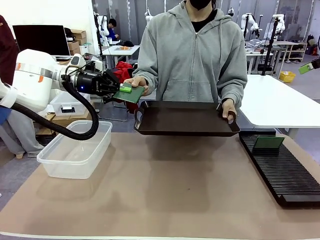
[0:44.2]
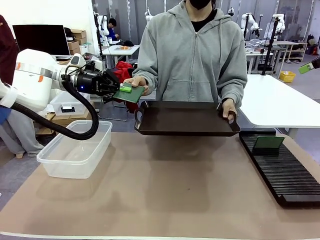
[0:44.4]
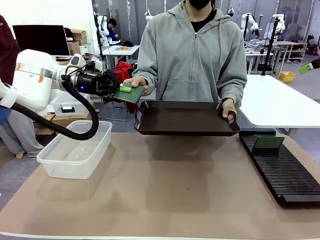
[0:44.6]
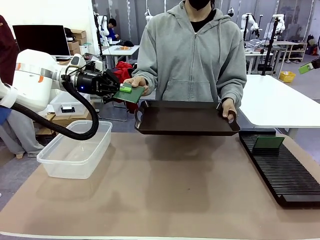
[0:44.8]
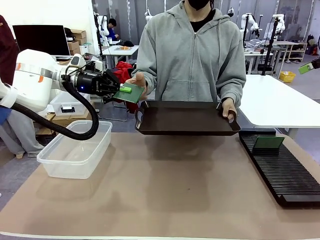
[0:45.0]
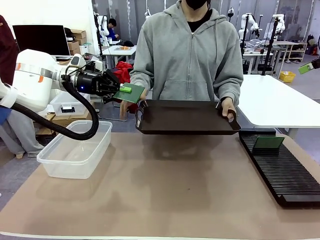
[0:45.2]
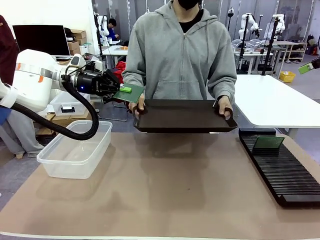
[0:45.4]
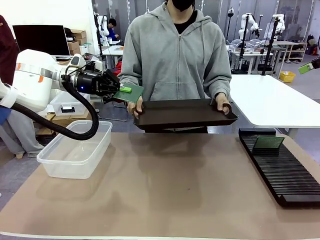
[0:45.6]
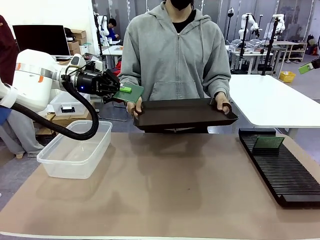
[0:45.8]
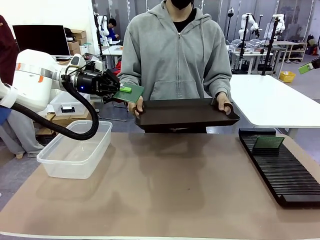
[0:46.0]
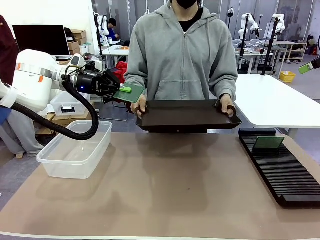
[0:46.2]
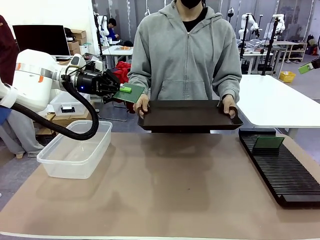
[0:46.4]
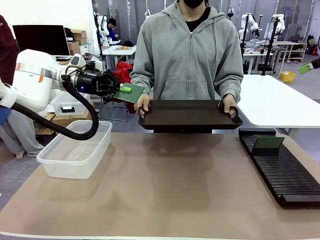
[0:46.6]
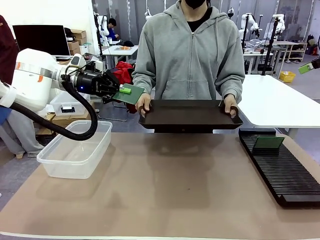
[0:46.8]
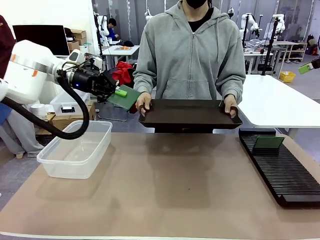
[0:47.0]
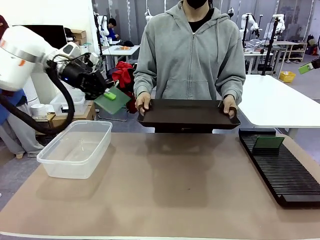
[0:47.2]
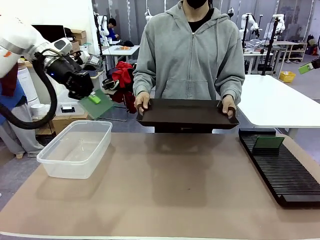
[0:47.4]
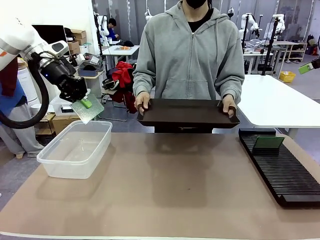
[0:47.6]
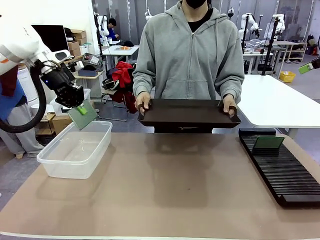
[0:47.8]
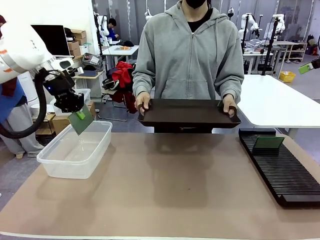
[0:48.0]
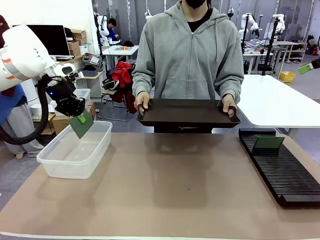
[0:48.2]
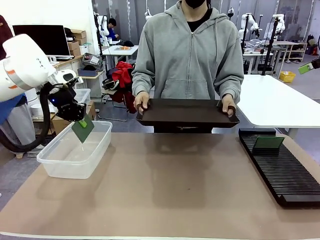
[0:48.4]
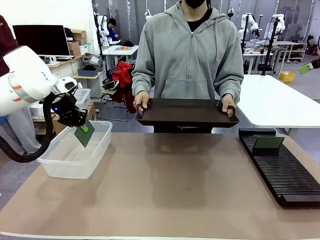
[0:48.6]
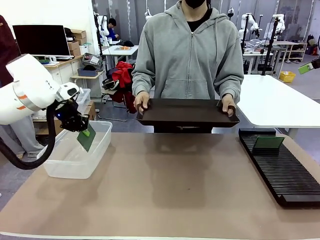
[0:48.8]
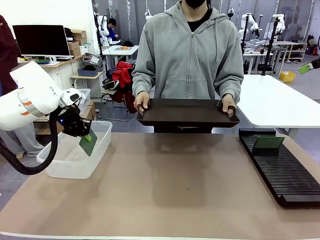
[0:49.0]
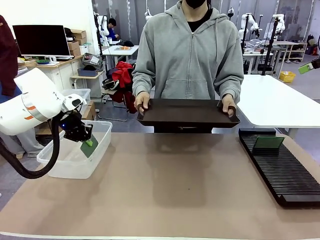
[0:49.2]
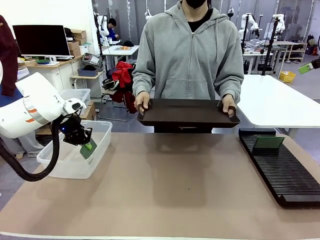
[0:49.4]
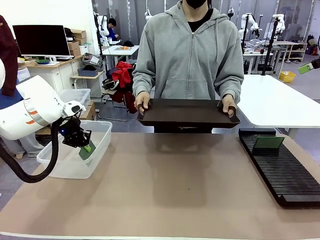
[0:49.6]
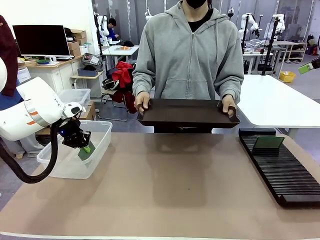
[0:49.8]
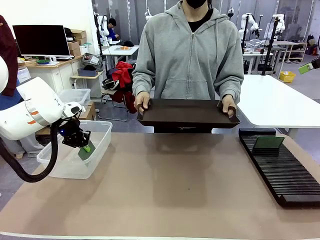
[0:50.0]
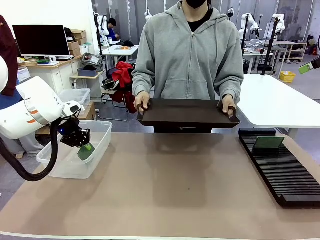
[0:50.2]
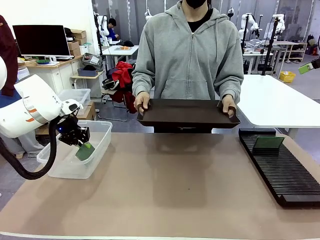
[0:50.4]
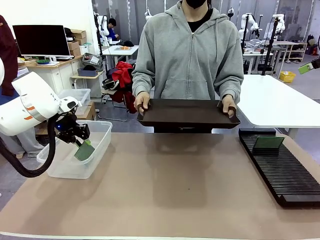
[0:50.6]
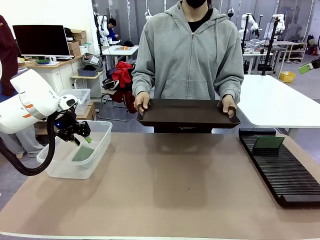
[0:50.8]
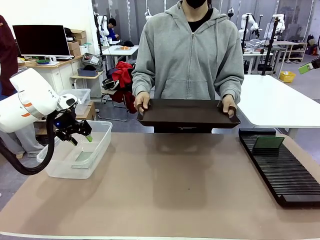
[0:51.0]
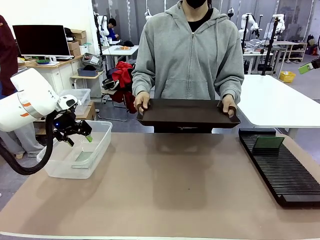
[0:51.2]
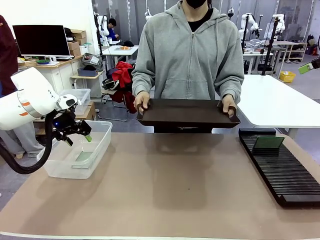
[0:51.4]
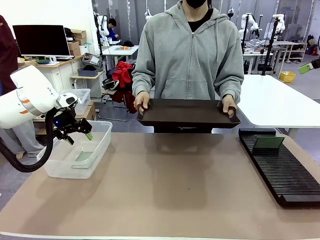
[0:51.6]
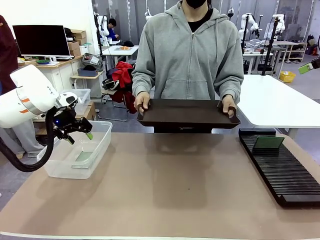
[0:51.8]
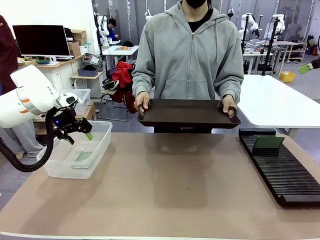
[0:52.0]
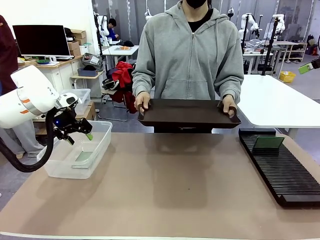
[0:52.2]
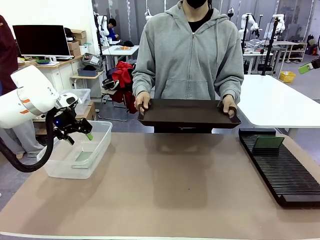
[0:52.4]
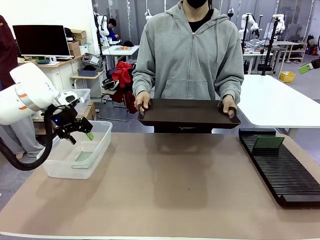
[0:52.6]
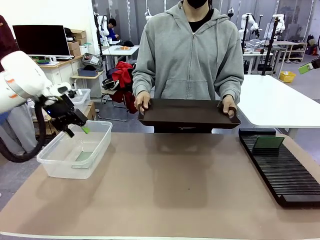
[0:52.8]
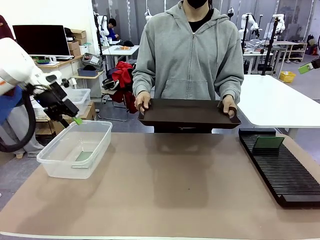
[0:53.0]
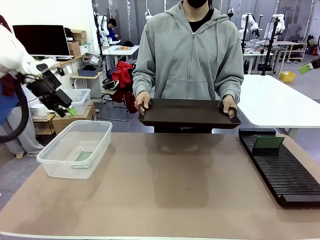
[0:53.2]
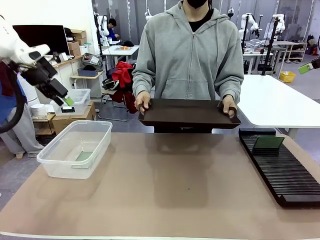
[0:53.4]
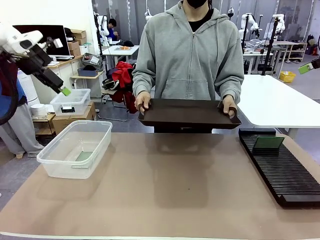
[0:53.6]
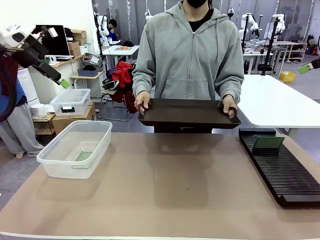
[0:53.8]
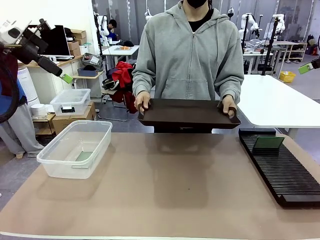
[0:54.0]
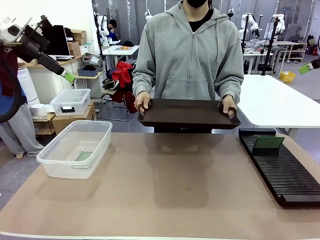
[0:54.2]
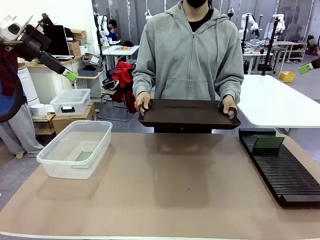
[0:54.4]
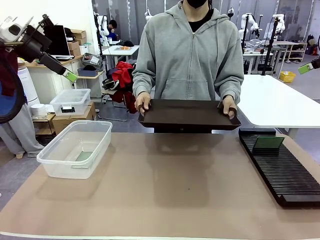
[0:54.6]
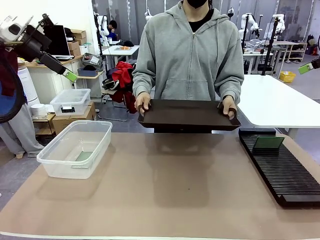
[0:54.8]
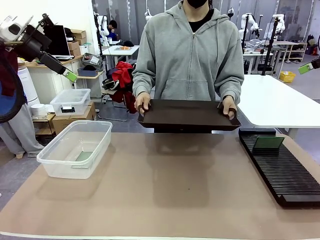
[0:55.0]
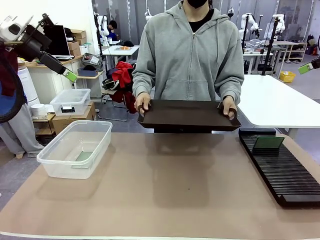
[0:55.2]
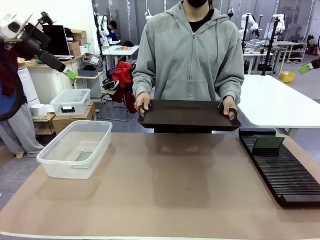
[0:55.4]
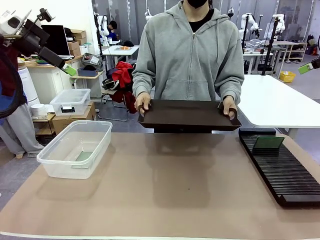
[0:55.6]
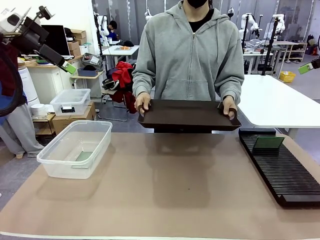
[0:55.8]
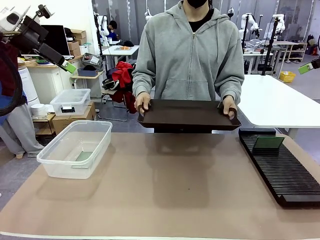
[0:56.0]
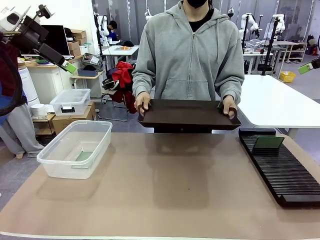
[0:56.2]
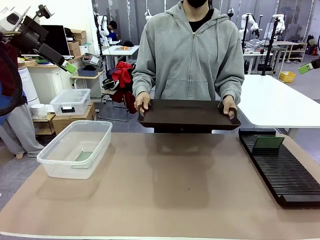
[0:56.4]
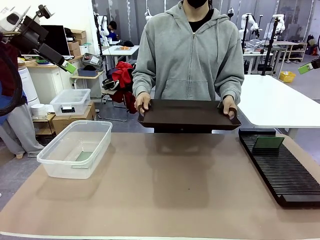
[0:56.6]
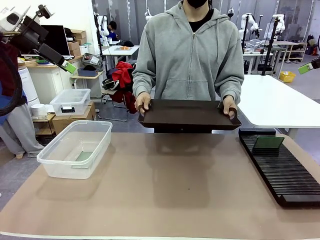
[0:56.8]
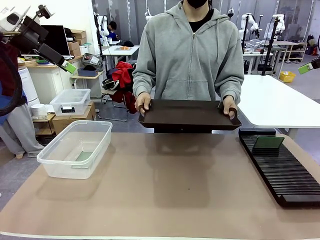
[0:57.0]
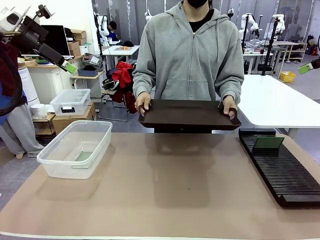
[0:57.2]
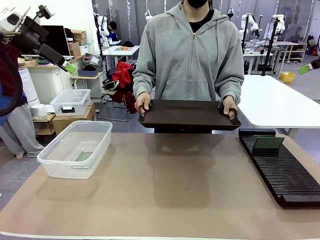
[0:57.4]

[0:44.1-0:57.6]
Task: Sort PCBs into racks and boxes based on the side picked up.
Robot: If the short side of the Blank PCB is picked up, insert it into the PCB Rack ; if the long side is picked up, place it in the Organizing box.
Person: Release the PCB being held.

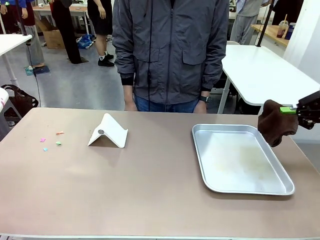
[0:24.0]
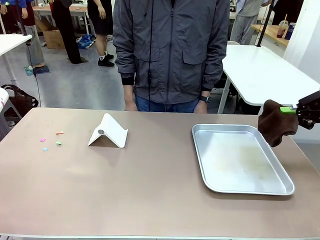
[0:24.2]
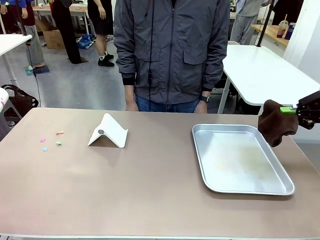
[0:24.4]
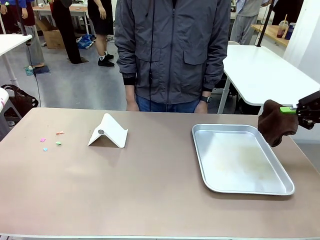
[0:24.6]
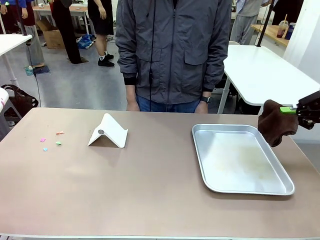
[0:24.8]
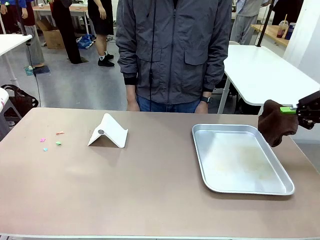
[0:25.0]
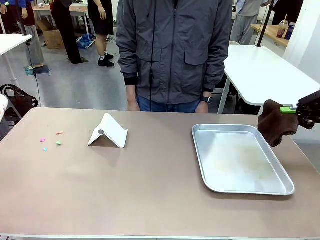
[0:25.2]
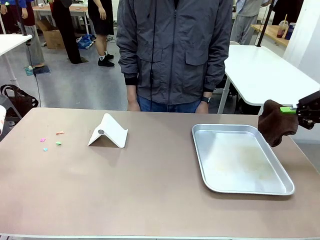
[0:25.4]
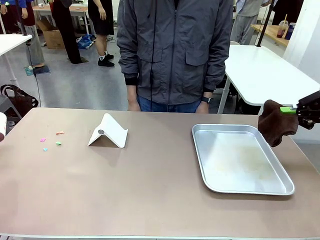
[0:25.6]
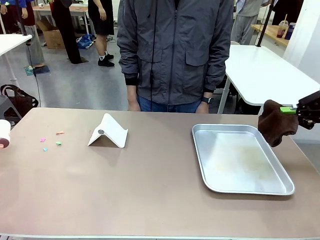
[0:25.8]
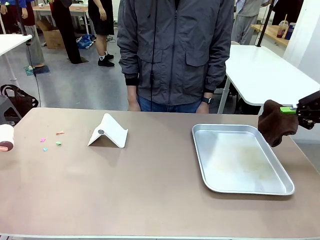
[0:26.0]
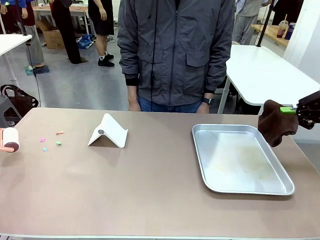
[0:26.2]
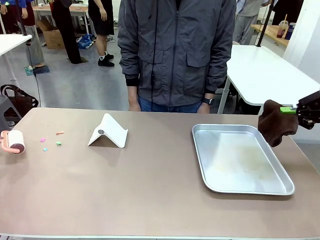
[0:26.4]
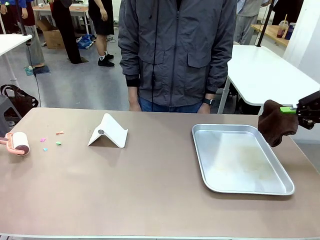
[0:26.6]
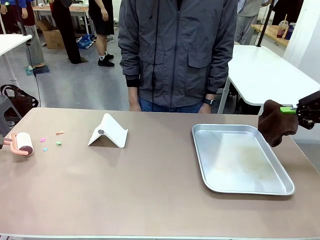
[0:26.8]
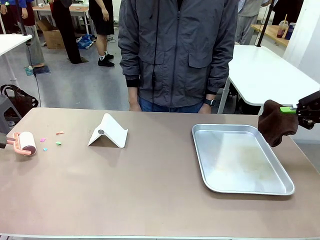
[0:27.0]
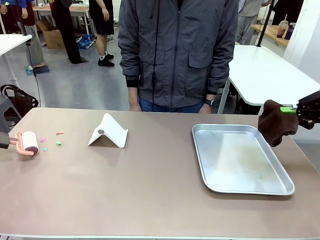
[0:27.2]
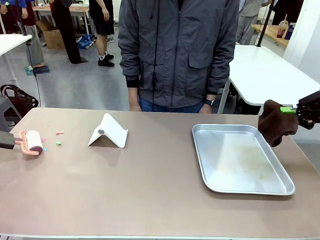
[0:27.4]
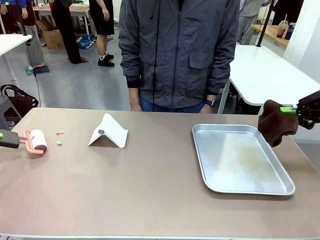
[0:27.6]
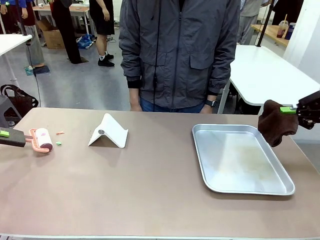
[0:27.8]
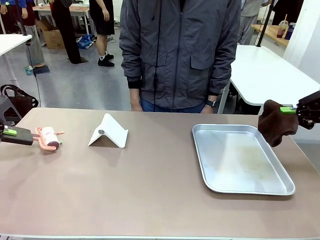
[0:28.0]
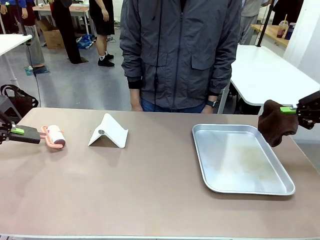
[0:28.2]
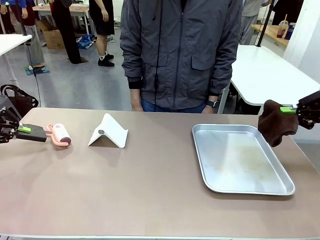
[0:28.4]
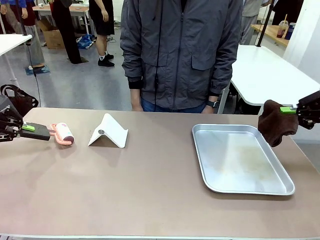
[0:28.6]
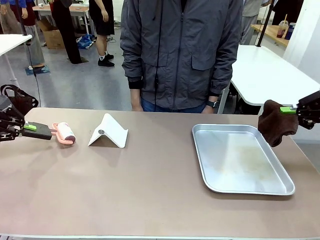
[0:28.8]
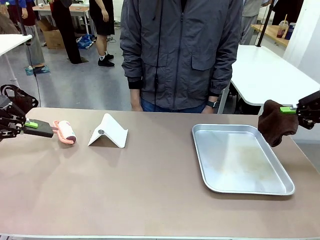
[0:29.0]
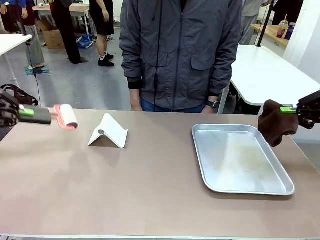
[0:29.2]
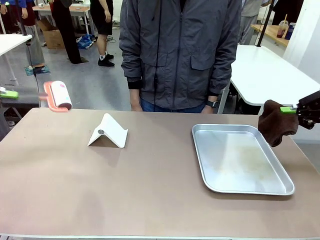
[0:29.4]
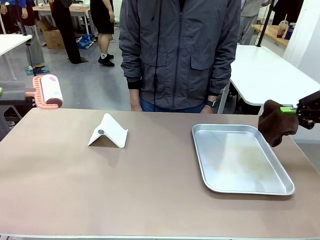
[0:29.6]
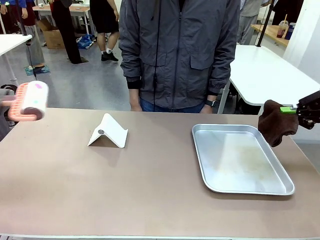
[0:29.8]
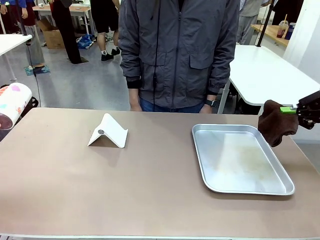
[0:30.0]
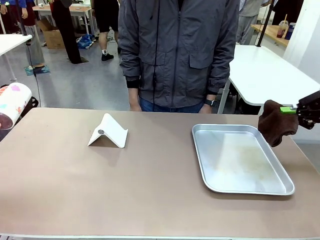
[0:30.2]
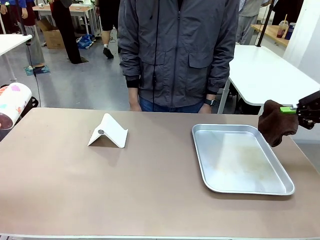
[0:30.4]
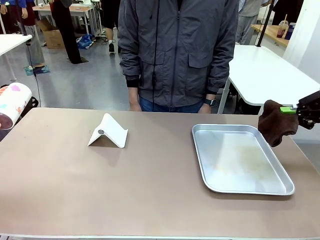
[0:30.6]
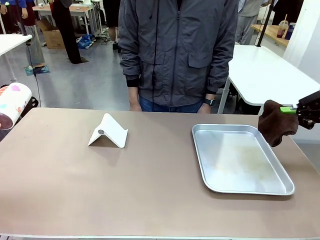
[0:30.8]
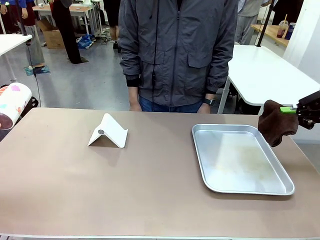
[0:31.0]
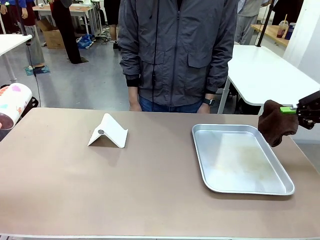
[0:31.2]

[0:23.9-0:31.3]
Task: Clean the surface of the table.
Robot: Clean the area not pointed to by the person.
